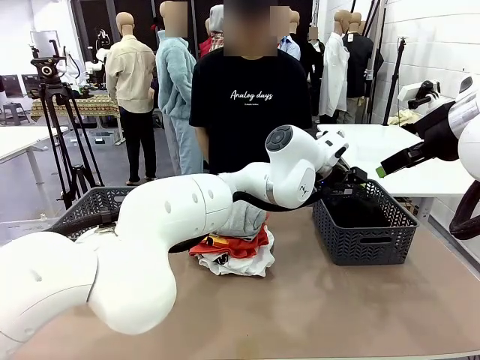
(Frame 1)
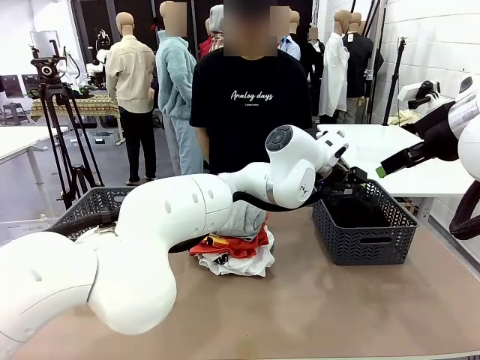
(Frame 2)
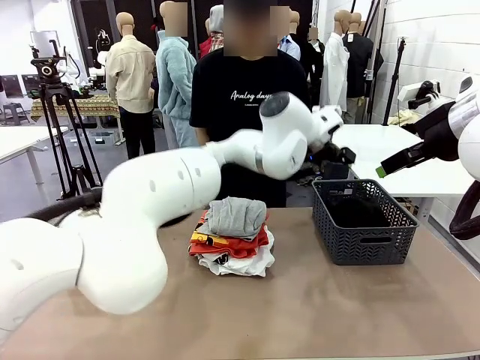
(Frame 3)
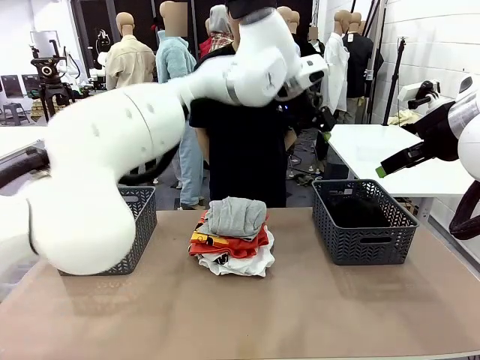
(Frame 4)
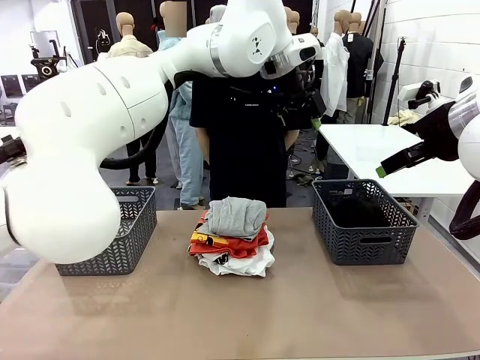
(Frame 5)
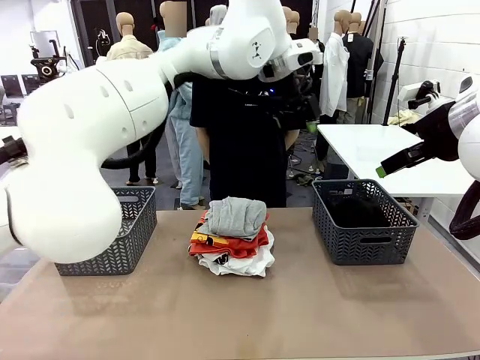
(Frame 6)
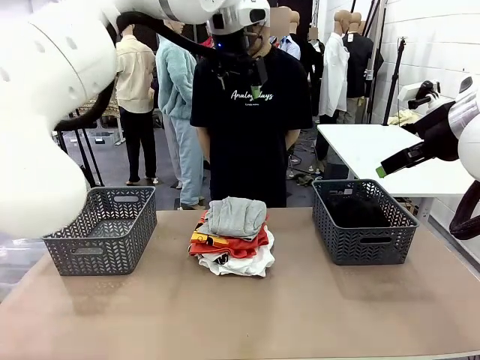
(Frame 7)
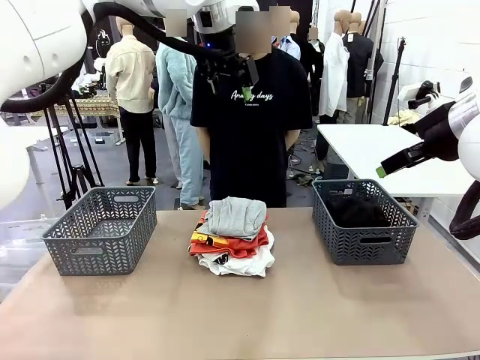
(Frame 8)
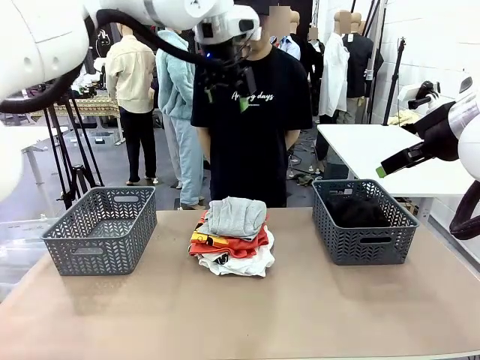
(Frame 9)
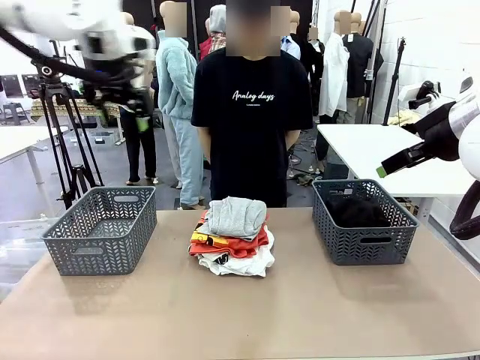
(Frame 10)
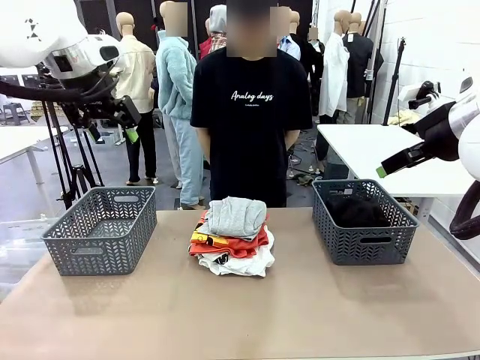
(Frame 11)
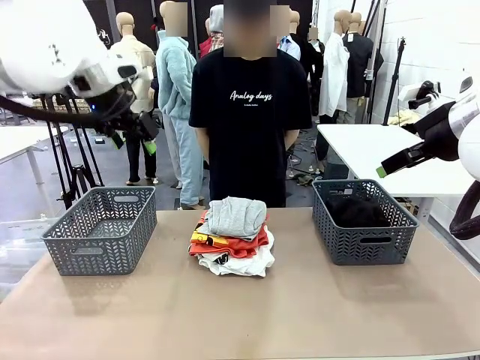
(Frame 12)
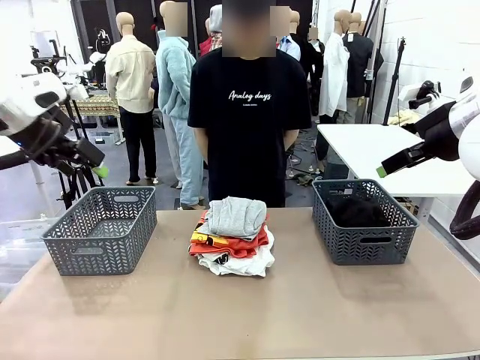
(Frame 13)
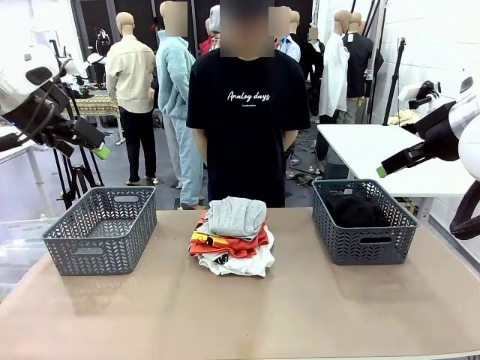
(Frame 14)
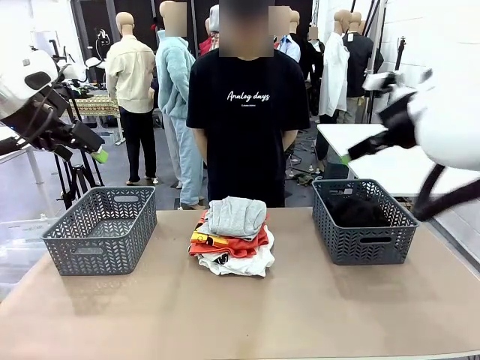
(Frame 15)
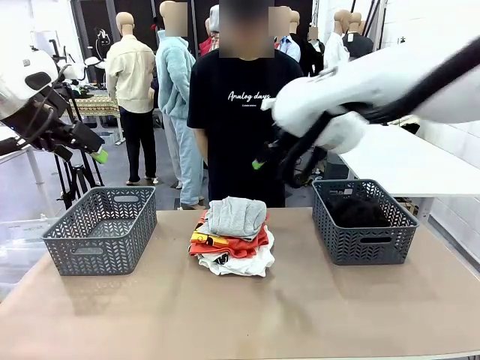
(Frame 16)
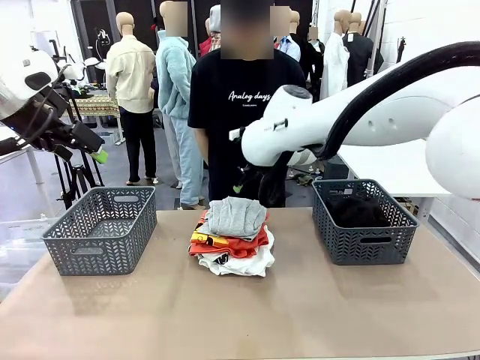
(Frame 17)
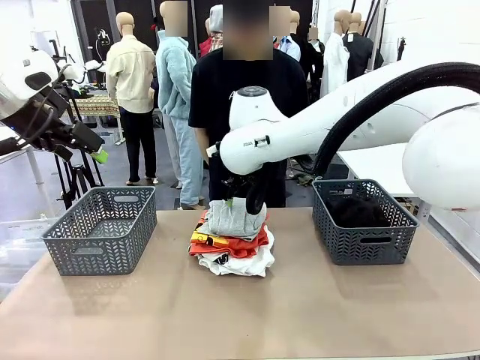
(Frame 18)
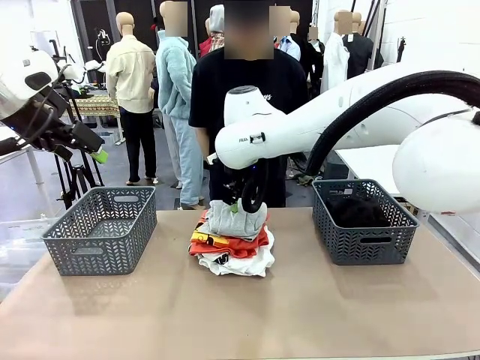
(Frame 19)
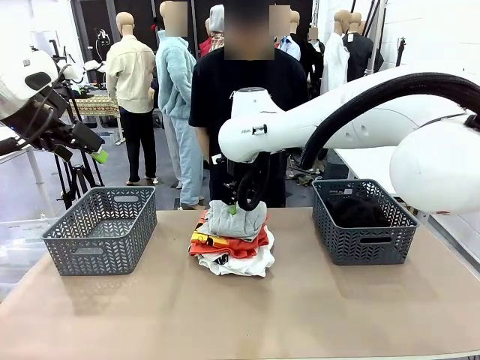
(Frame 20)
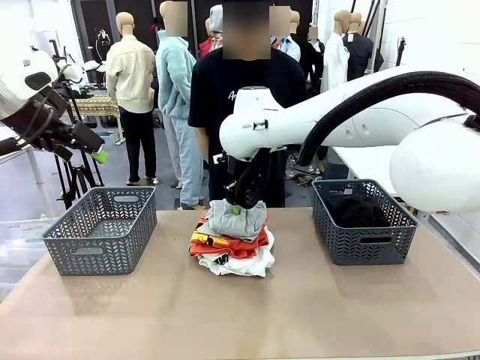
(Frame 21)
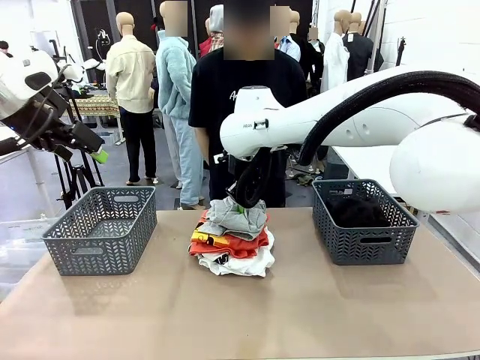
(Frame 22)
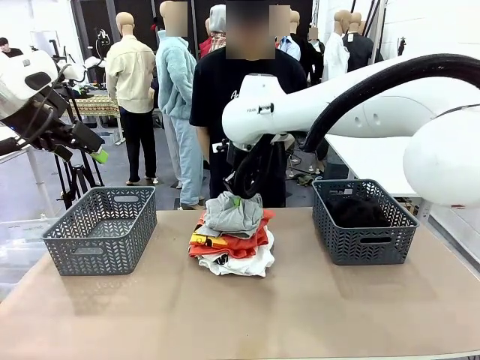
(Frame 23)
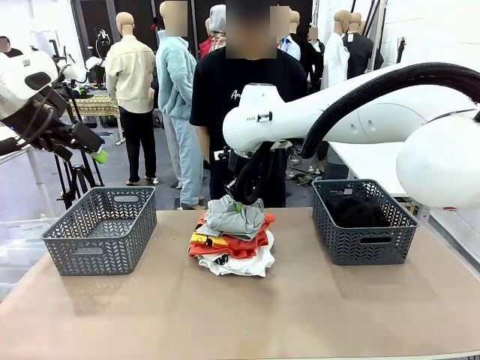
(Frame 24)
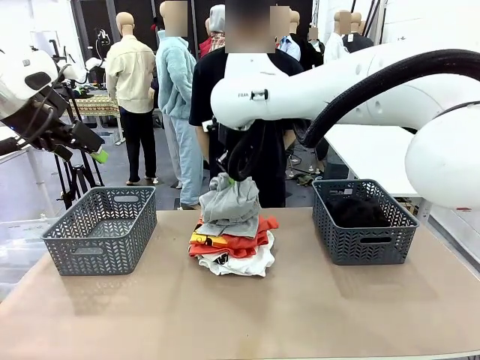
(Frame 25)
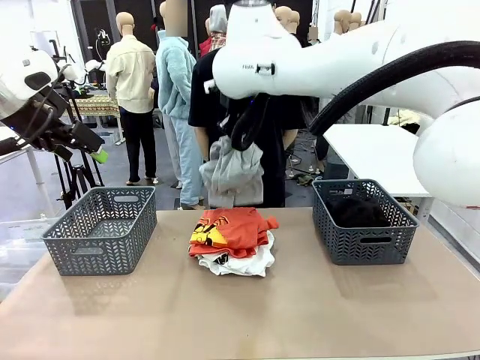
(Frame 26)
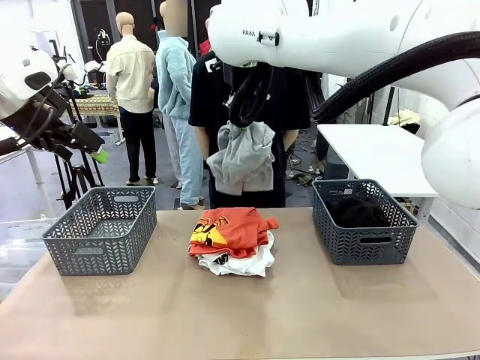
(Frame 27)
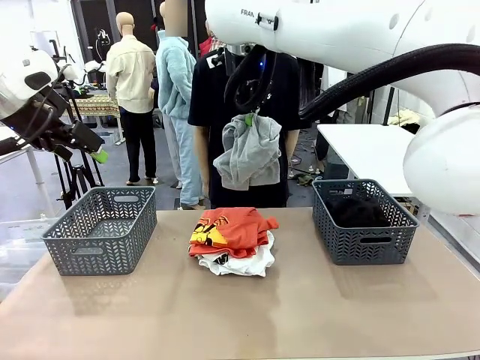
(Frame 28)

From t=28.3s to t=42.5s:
Task: Sort the tops and bottoms.
Robot: Lift clothes from the center of the table with your right hand.

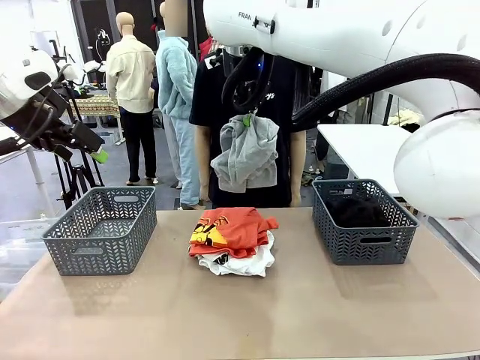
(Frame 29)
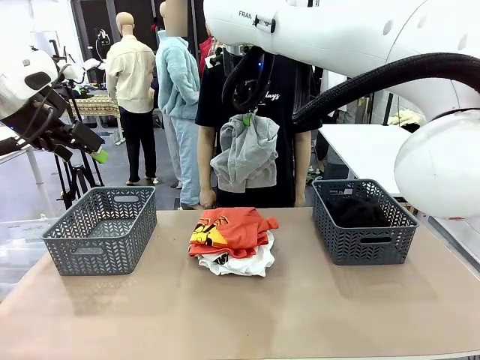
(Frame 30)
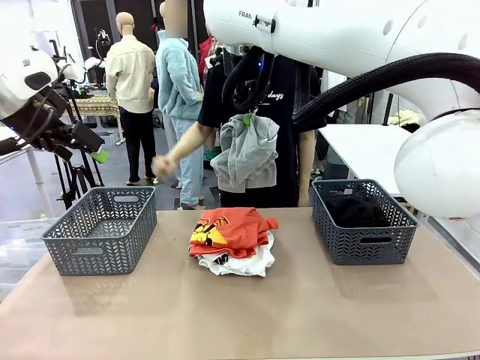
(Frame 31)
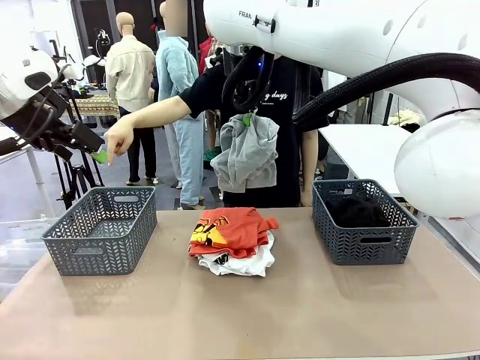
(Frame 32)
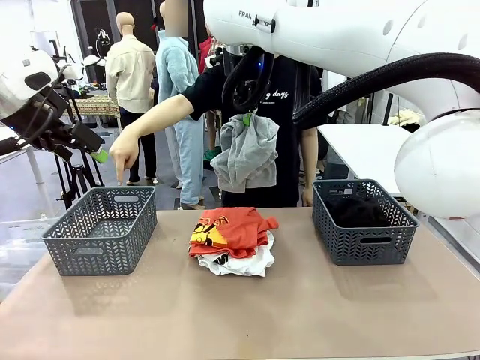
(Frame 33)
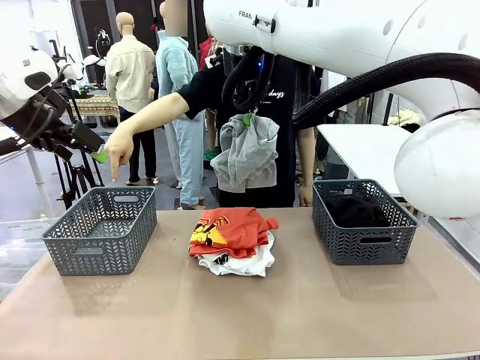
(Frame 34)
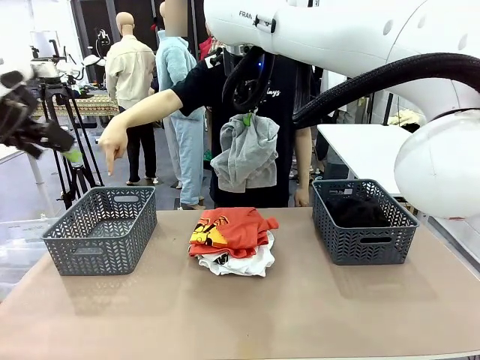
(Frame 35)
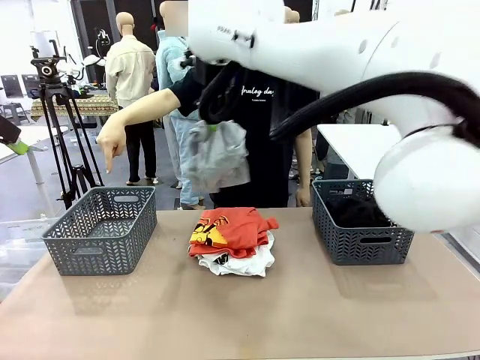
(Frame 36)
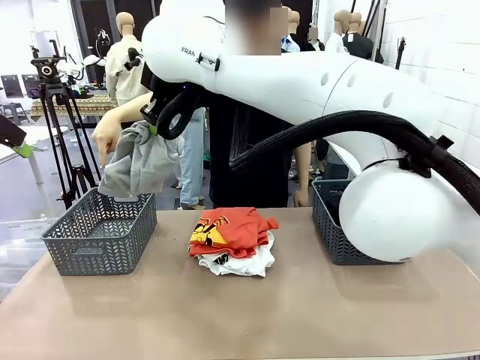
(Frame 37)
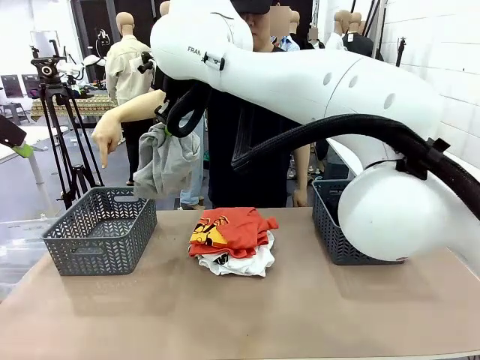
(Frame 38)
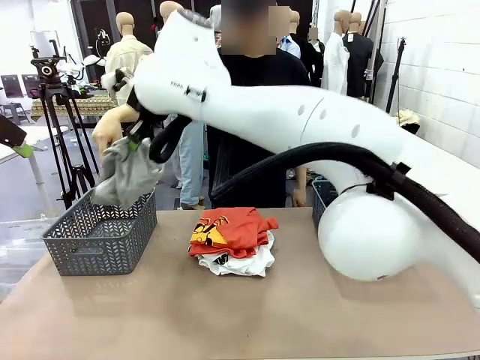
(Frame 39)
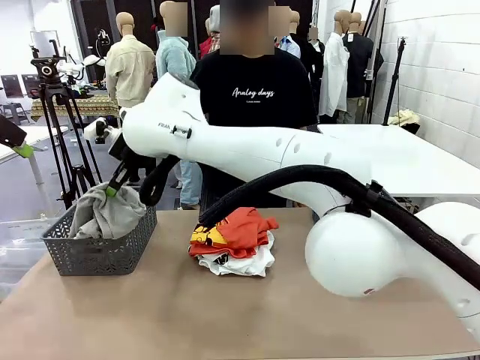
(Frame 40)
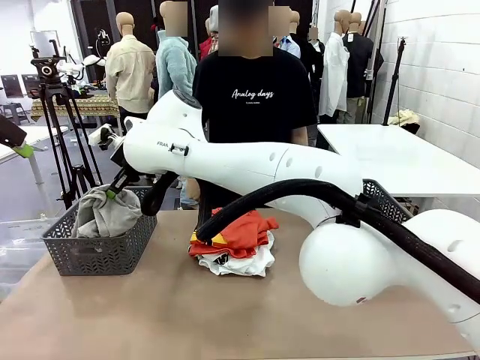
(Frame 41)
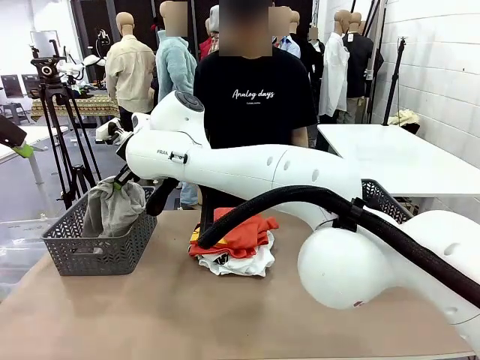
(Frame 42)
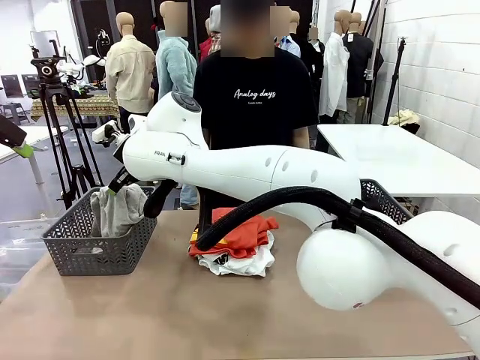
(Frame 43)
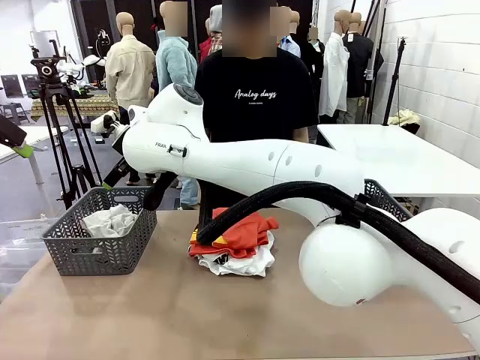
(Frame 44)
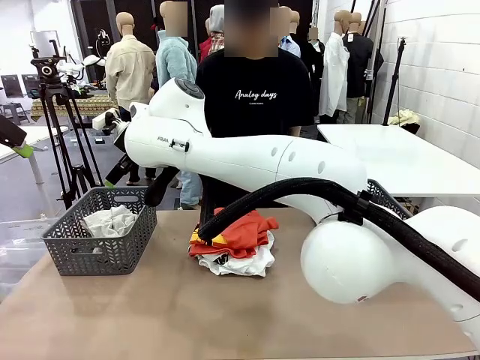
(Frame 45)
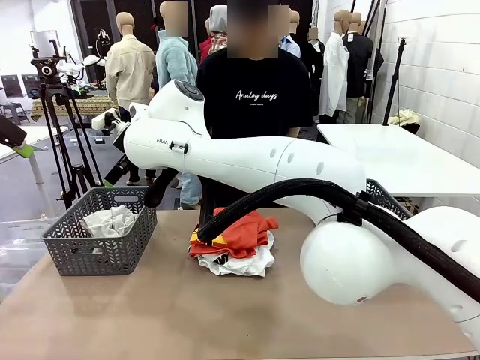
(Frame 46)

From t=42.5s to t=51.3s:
Robot: Sort the clothes according to human instructions.

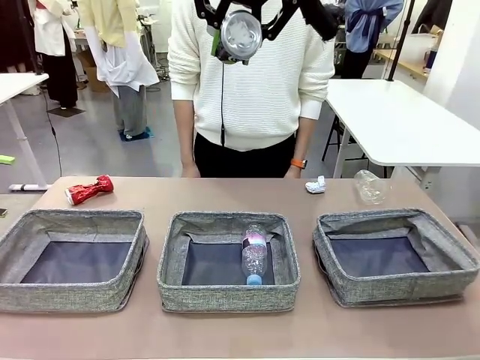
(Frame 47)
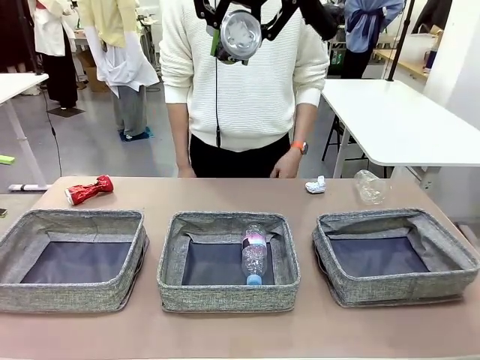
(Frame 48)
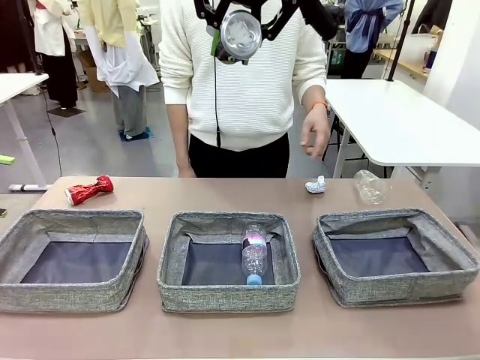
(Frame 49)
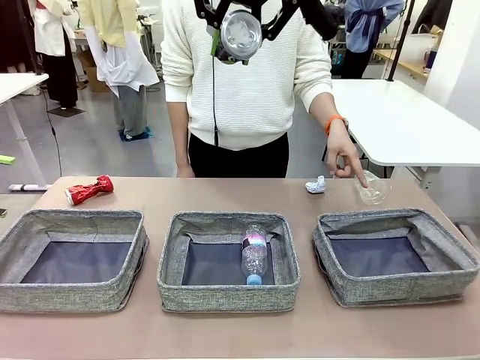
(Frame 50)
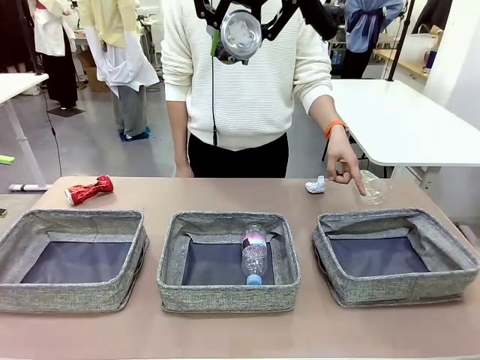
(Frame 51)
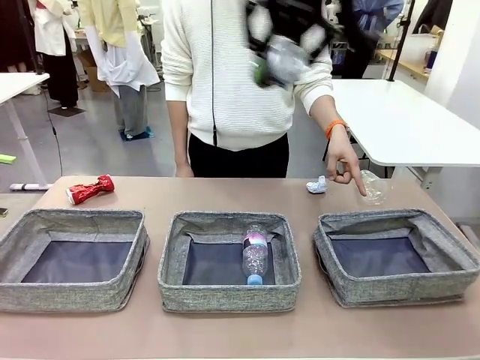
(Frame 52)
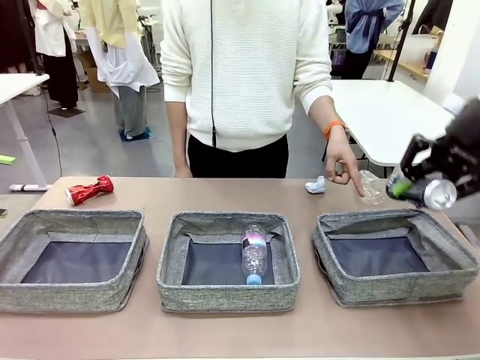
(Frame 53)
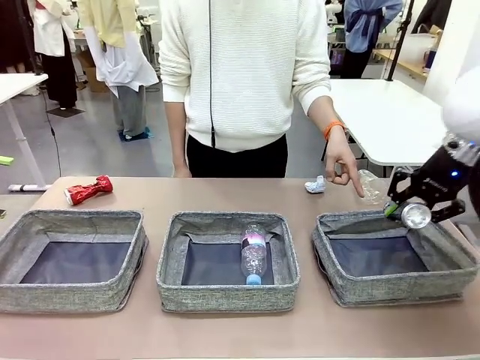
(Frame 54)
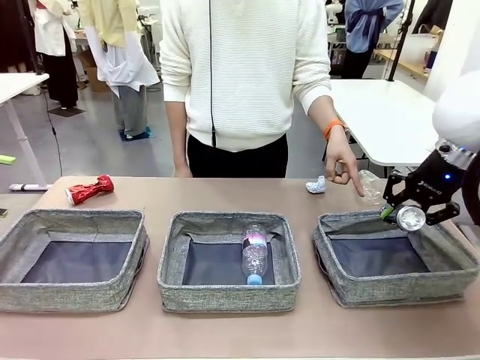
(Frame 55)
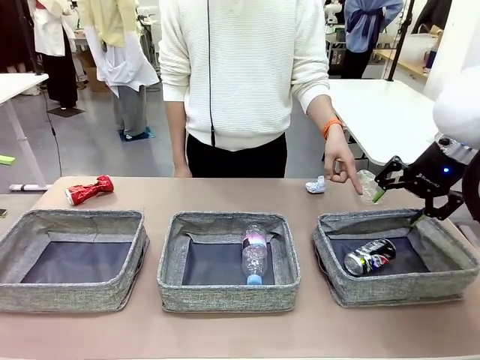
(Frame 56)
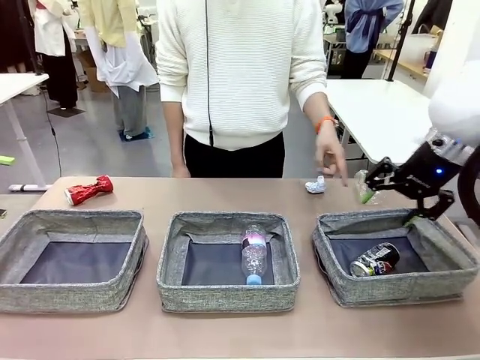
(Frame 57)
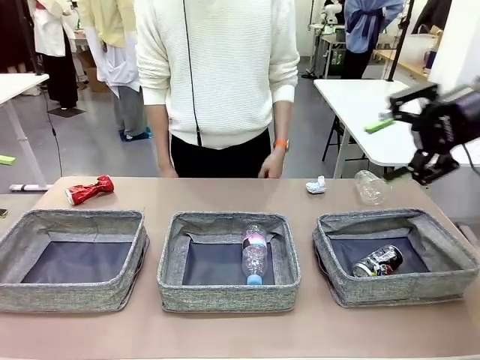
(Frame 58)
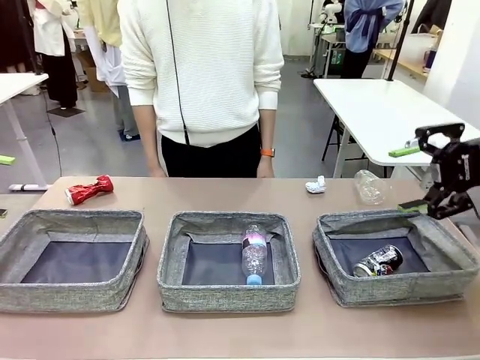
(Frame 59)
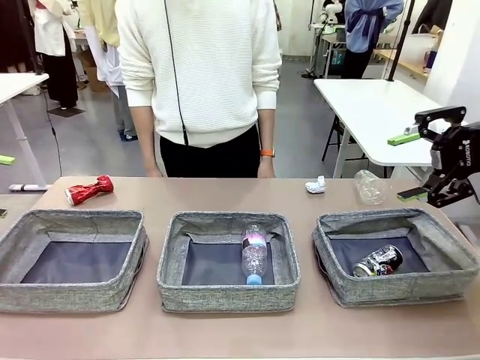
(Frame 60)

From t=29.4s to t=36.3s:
Task: Sort the waste into the appropriate baskets.
Robot: Place the picked waste into the Fabric basket indicated by the person.
Person: Instructs the robot to place the picked-up trash into the appropriate organizing basket.
